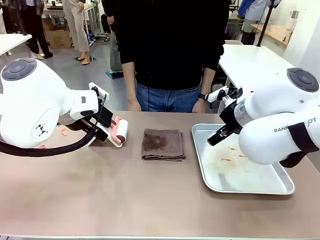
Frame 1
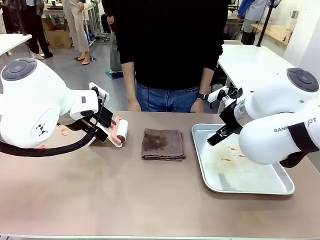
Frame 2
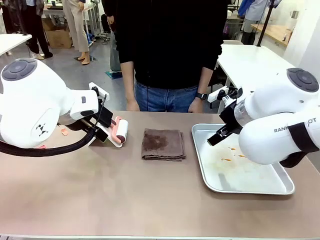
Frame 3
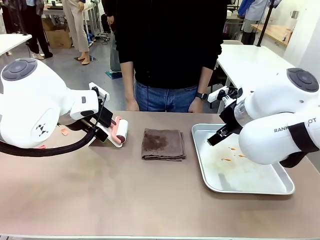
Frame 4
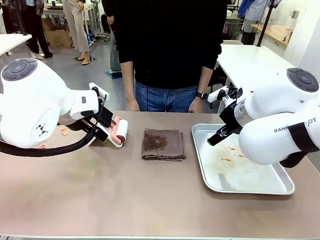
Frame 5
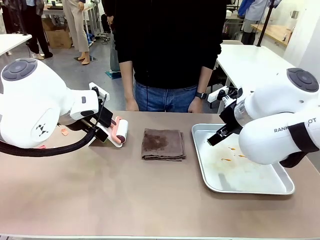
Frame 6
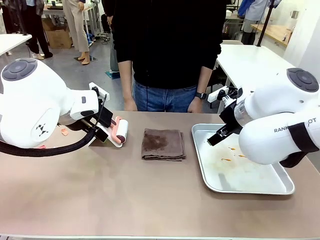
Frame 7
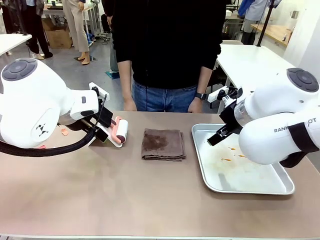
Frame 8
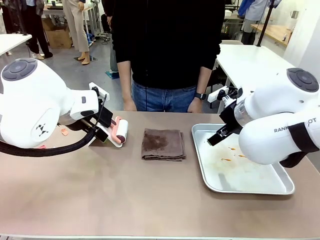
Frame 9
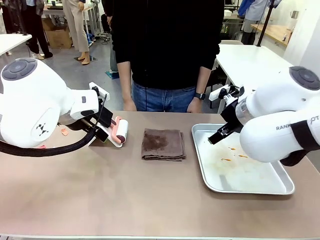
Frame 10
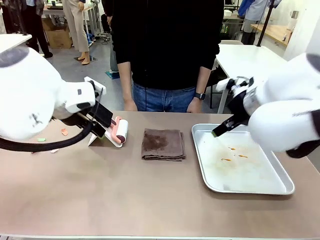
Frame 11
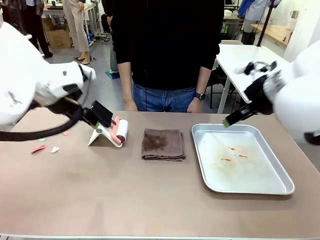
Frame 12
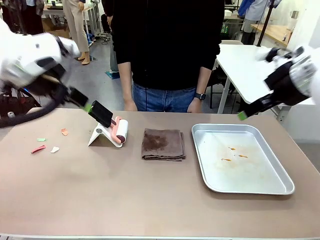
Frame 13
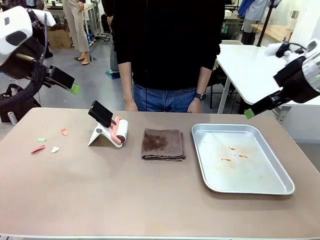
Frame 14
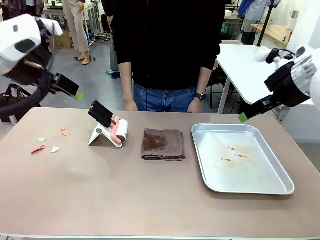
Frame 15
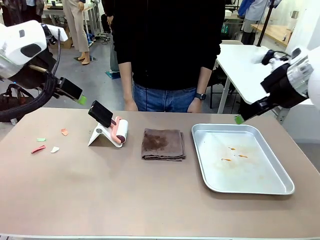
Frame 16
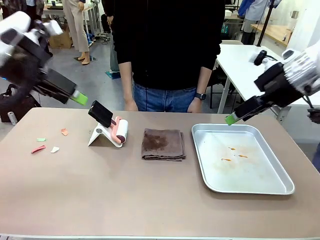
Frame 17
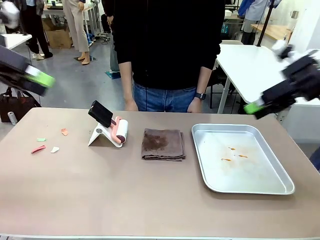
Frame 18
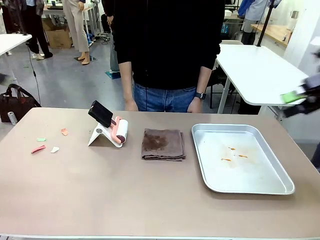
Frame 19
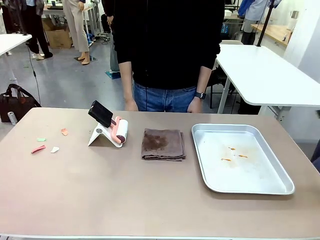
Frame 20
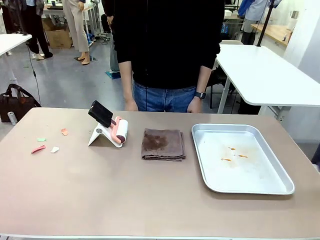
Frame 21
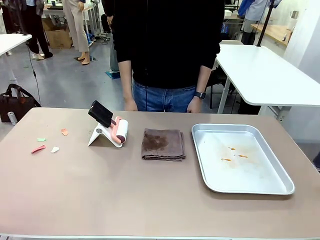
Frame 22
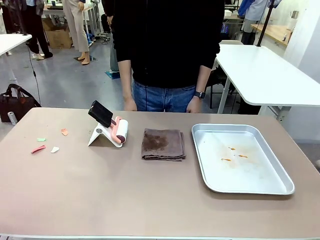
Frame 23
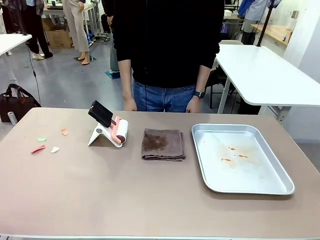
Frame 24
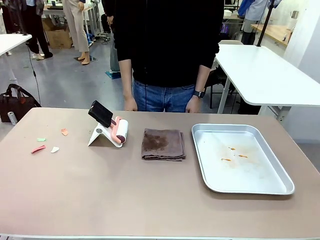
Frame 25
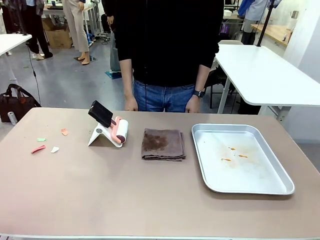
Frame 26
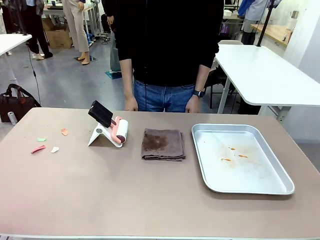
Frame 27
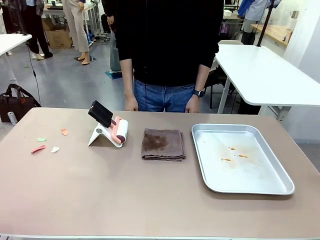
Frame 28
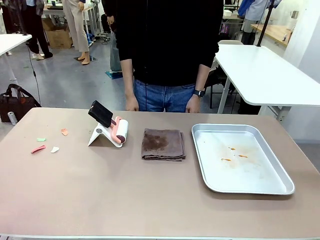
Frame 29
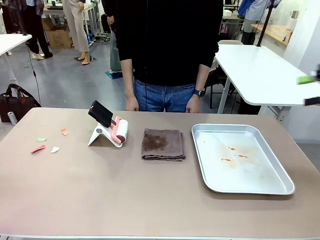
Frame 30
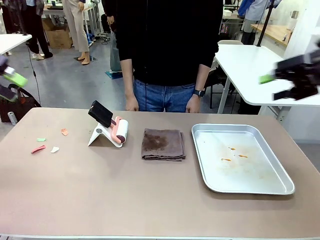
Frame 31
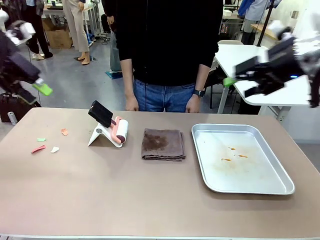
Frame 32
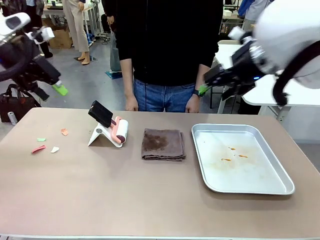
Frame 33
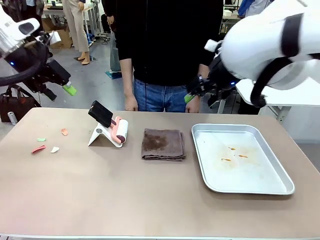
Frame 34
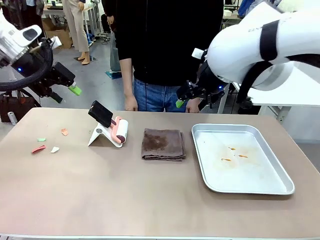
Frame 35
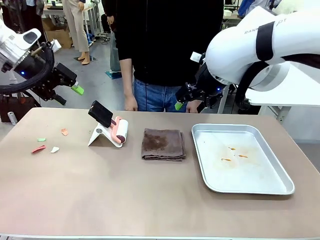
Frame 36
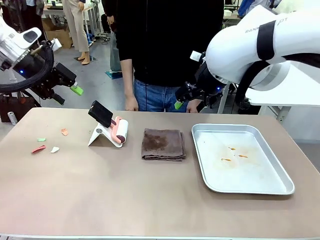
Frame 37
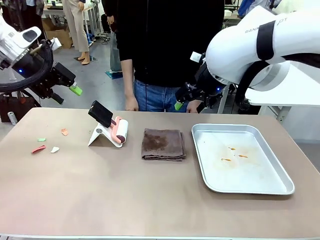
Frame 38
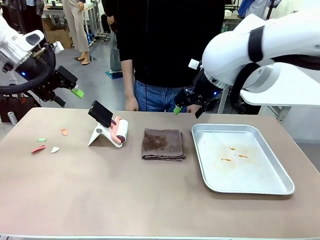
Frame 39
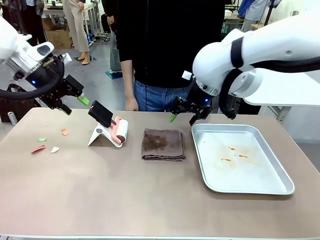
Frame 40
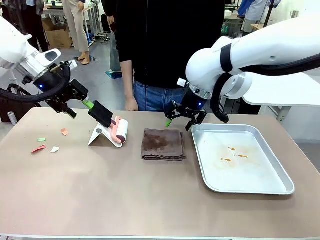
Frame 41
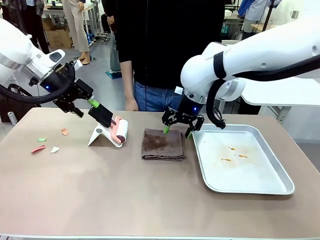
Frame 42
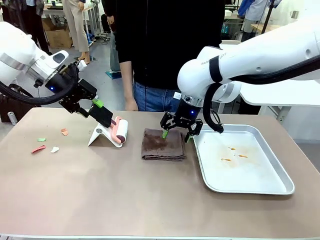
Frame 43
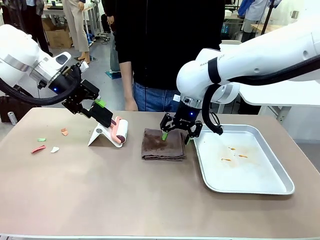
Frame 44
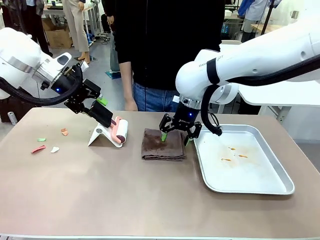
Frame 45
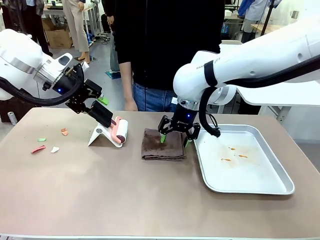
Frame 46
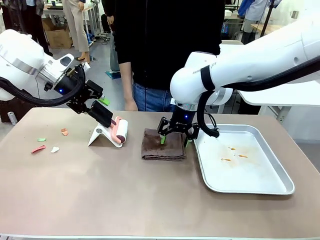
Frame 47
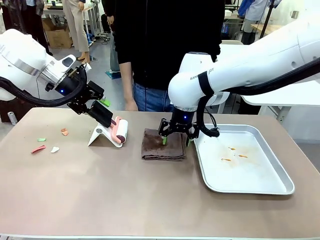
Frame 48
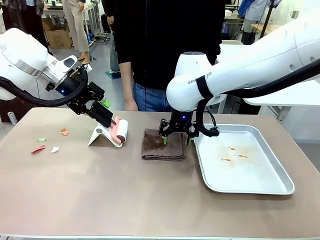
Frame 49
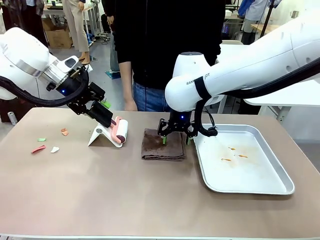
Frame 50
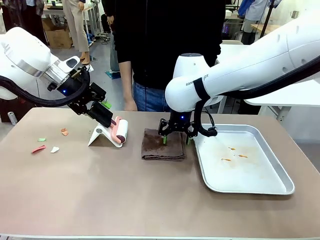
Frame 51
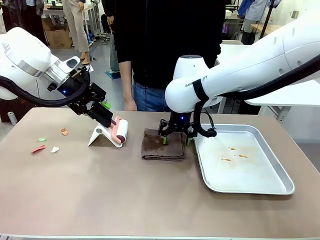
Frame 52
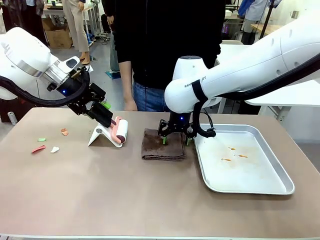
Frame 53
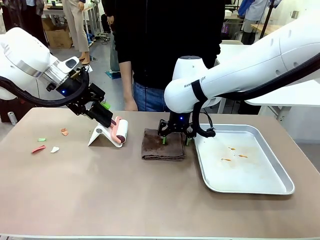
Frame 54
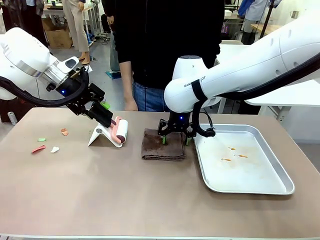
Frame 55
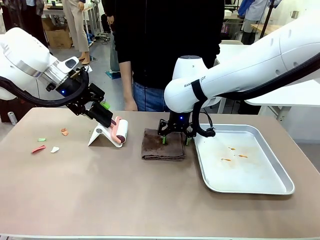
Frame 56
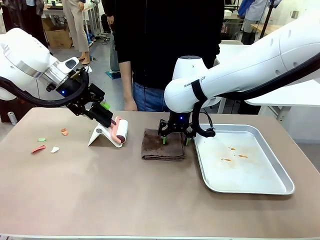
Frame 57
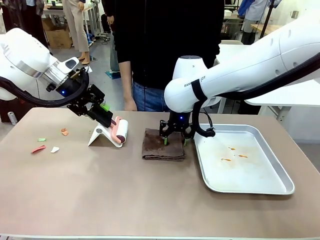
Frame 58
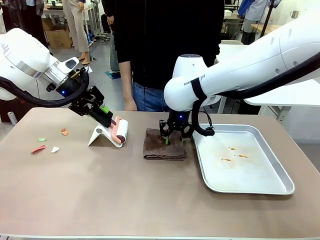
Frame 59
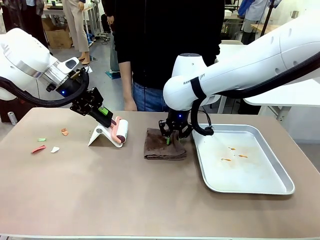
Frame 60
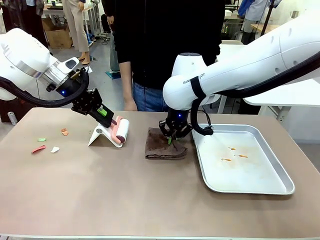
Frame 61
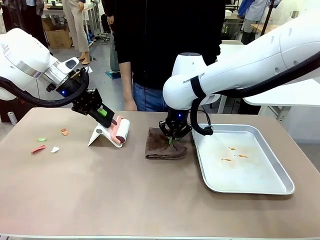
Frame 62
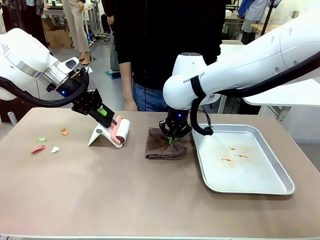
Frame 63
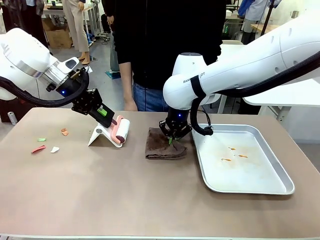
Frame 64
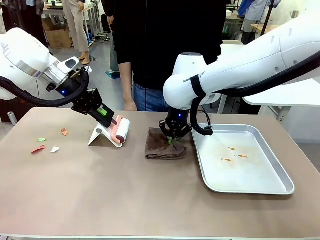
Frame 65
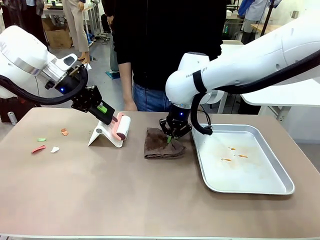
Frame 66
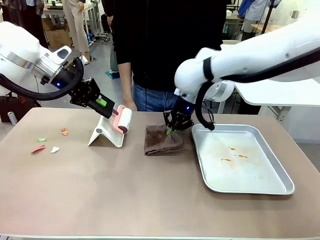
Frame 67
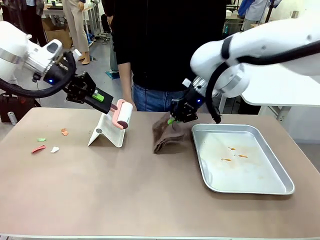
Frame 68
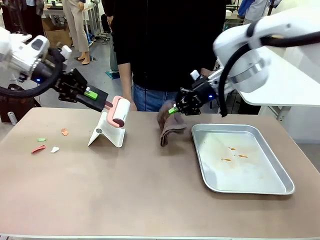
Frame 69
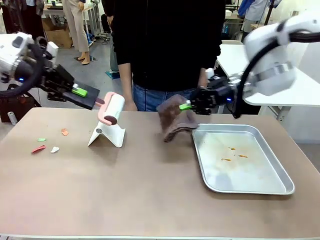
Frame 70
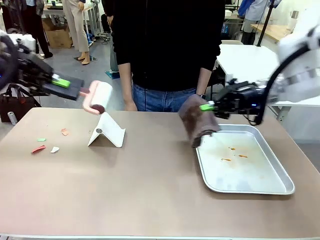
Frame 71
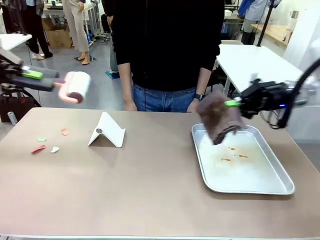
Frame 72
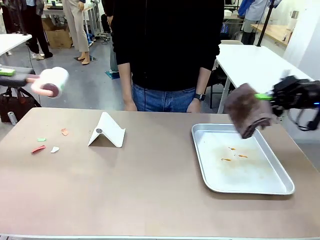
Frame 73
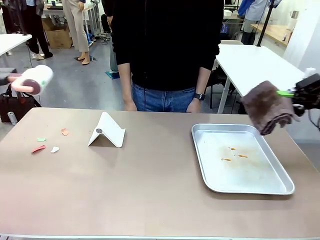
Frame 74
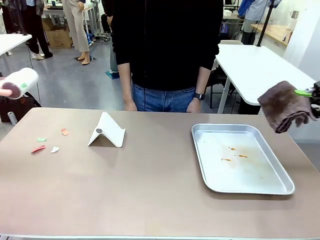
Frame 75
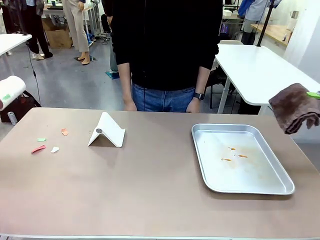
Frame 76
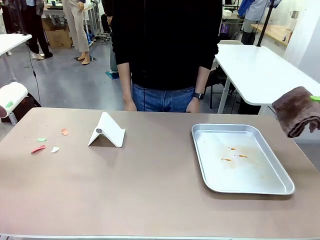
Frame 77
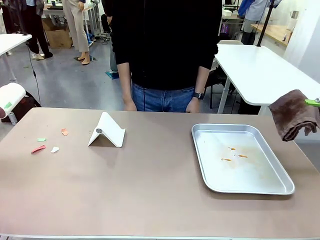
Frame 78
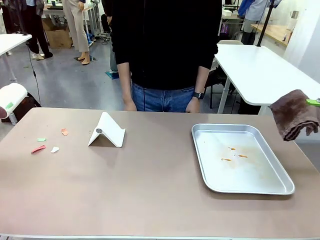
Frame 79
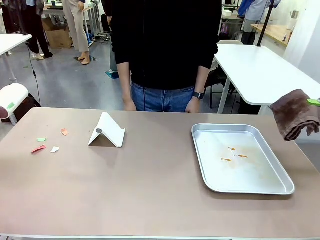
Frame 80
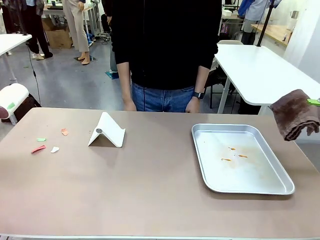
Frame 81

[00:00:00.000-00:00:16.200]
Task: Clean the surface of the table.
Robot: Hold the Lint Roller with your left hand and the towel with your right hand.
